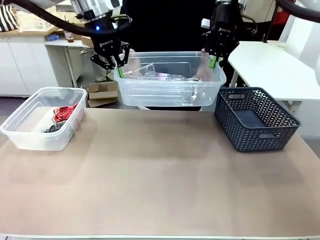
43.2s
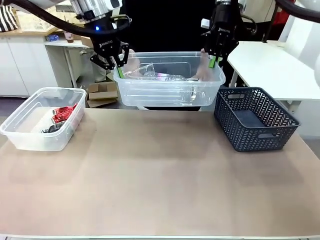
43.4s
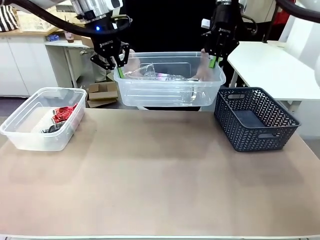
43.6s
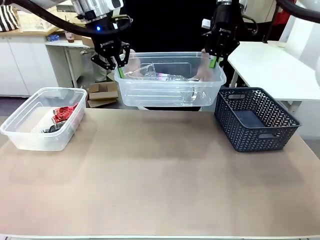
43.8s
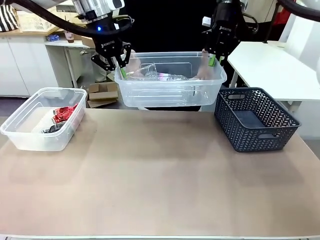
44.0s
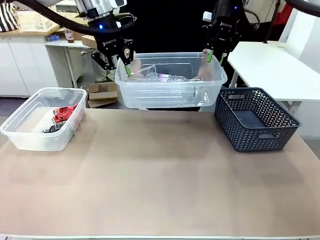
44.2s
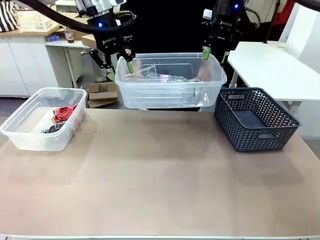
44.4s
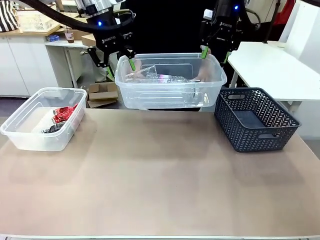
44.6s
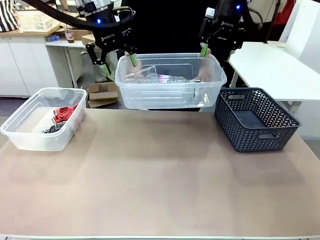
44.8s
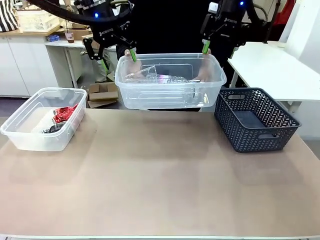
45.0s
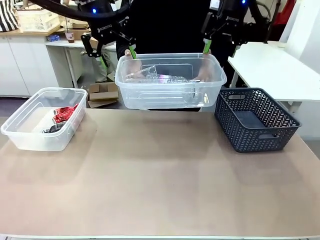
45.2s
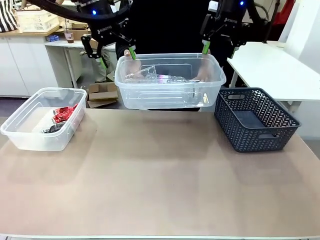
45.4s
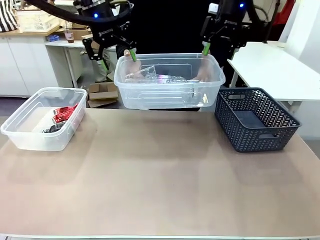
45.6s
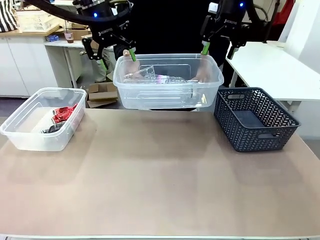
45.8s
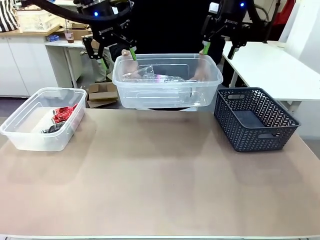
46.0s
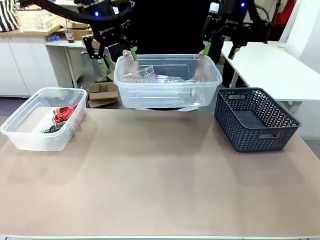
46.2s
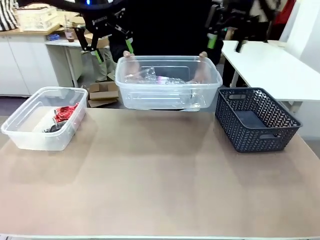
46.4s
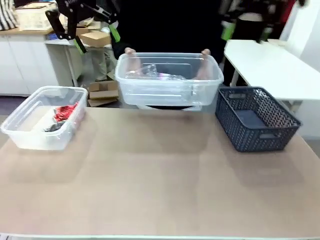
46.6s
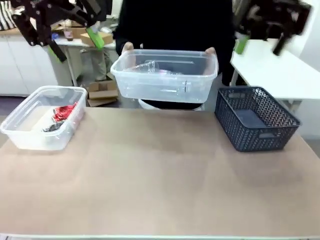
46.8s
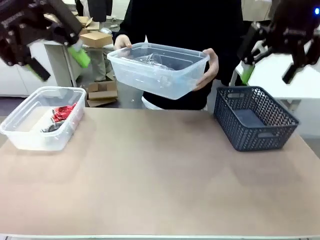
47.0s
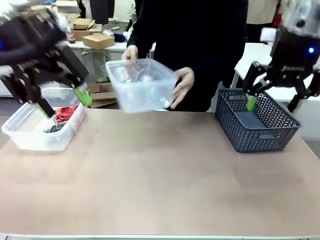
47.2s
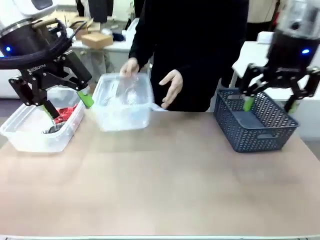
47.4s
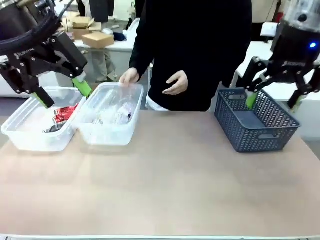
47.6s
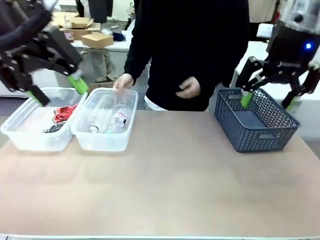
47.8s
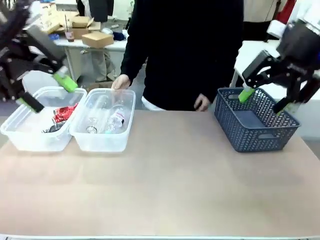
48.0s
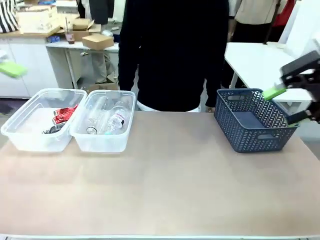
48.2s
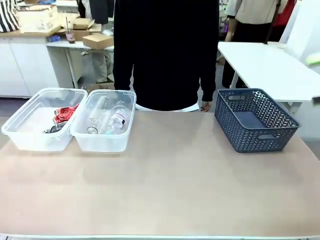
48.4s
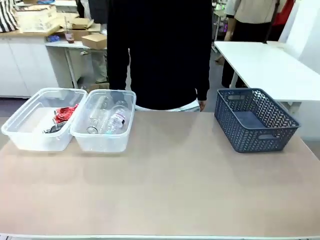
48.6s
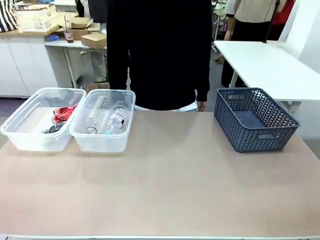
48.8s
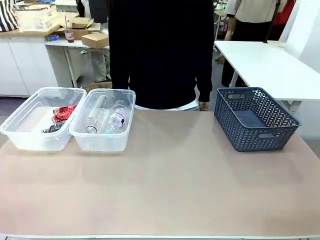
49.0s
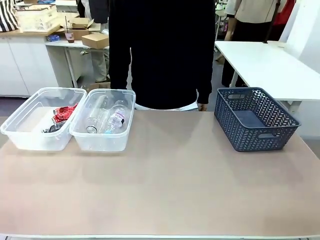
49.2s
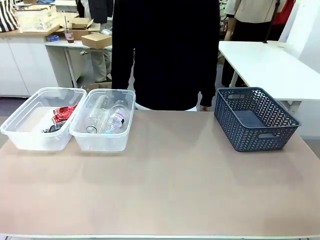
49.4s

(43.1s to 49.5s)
Robot: Release the Organizing box you were holding.
Person: Pick up the organizing box extended by the robot. Place the organizing box to the left of the sorting box containing the can waste.

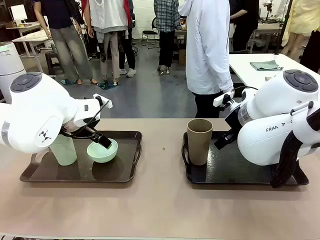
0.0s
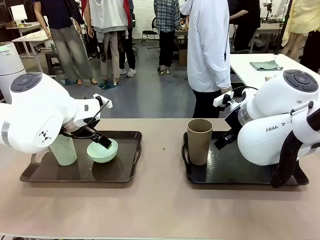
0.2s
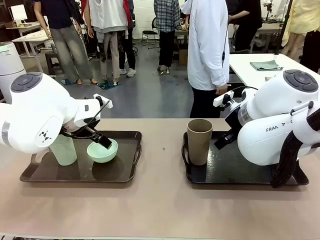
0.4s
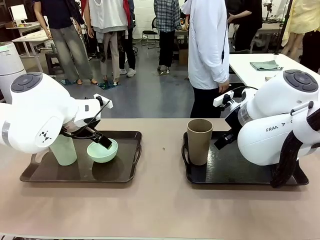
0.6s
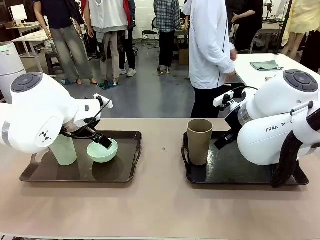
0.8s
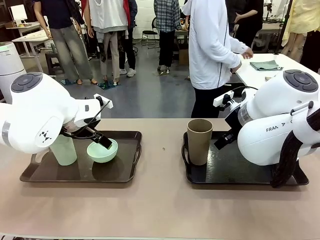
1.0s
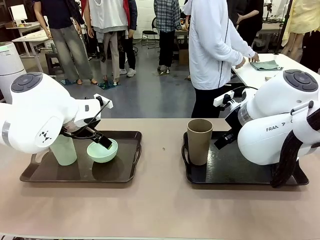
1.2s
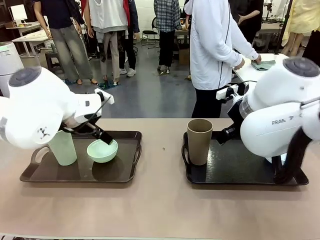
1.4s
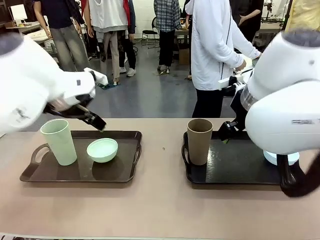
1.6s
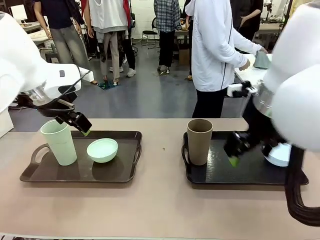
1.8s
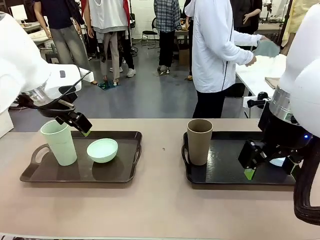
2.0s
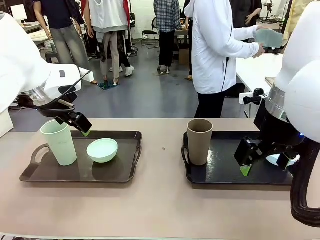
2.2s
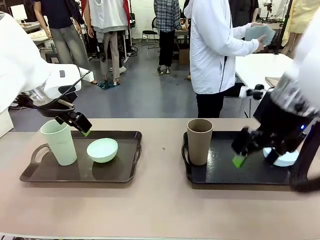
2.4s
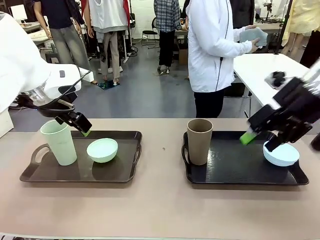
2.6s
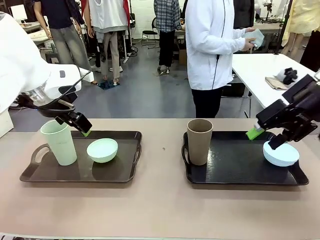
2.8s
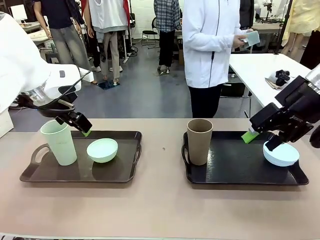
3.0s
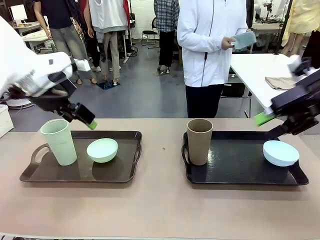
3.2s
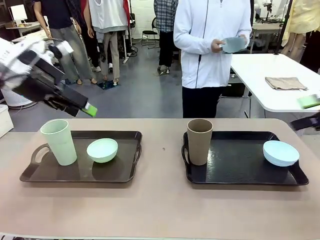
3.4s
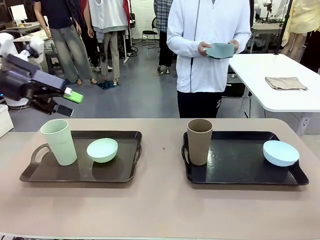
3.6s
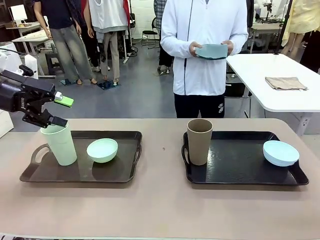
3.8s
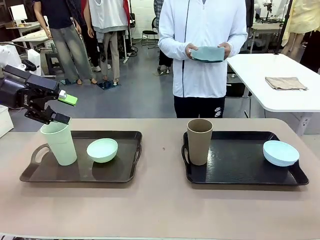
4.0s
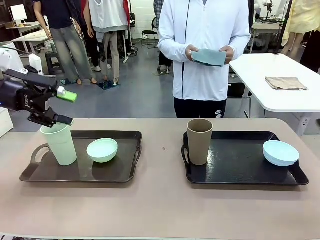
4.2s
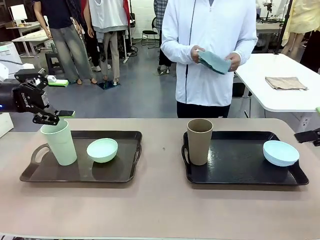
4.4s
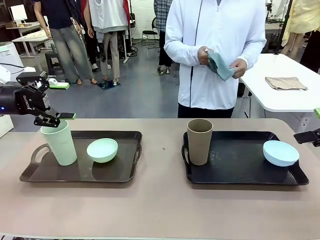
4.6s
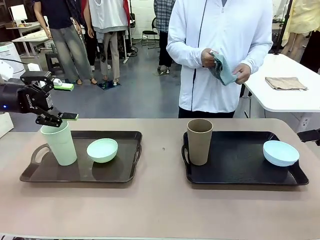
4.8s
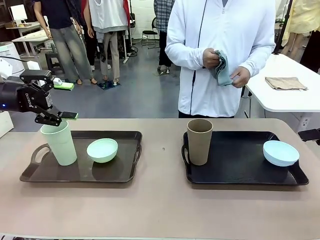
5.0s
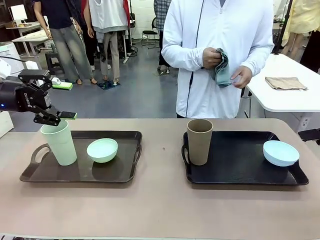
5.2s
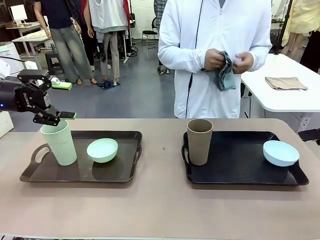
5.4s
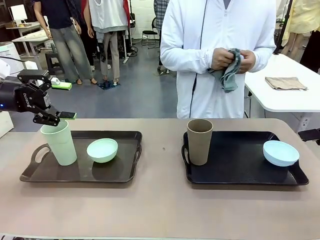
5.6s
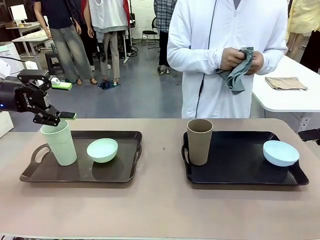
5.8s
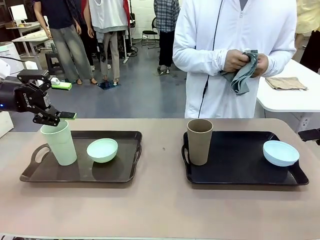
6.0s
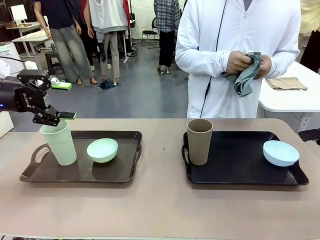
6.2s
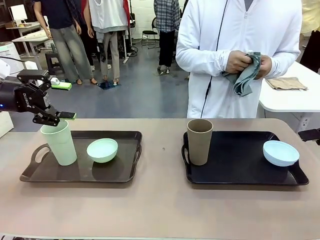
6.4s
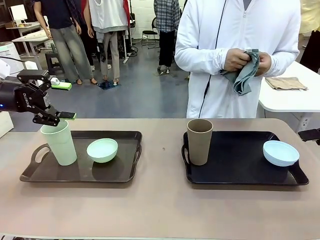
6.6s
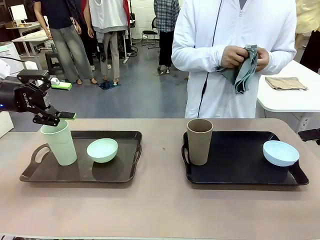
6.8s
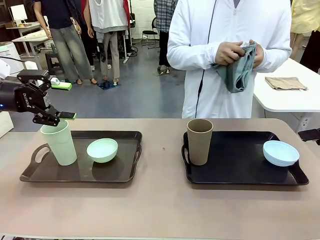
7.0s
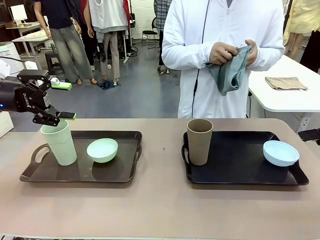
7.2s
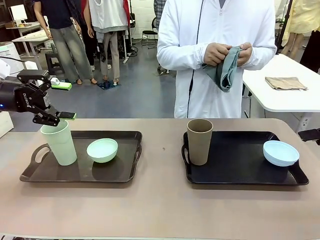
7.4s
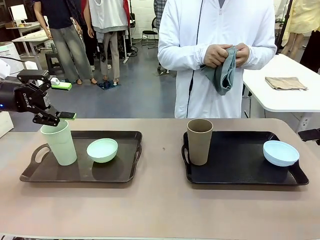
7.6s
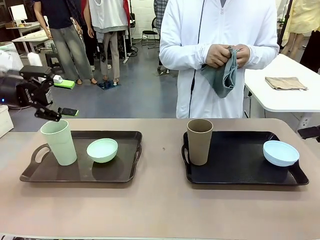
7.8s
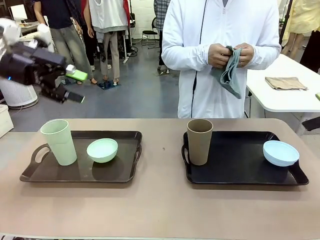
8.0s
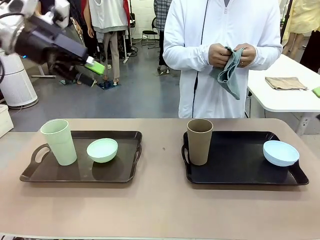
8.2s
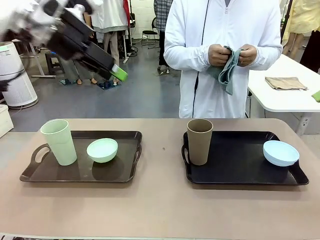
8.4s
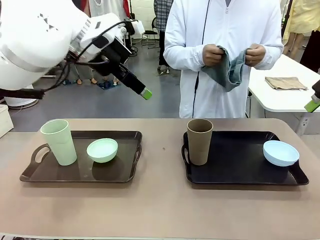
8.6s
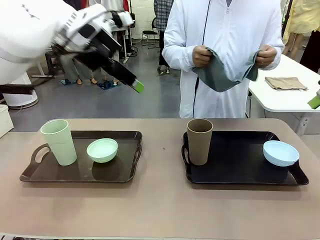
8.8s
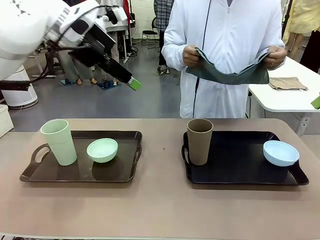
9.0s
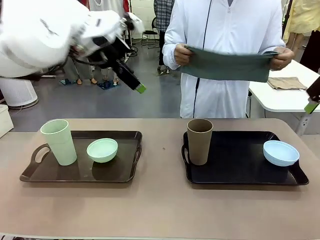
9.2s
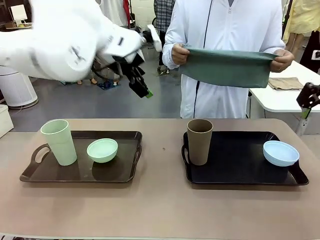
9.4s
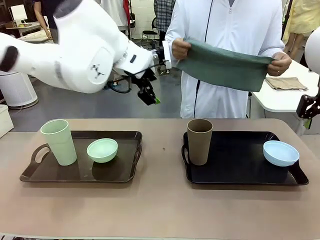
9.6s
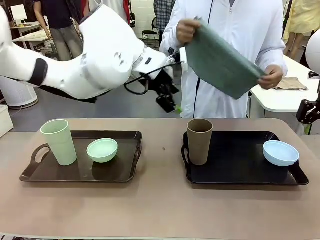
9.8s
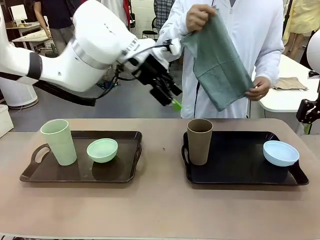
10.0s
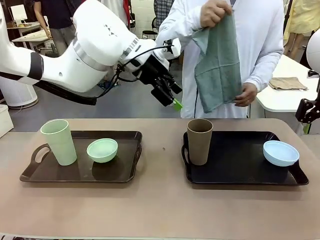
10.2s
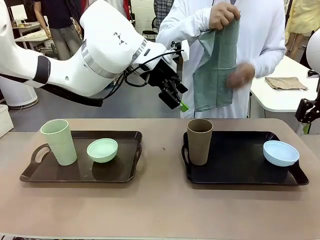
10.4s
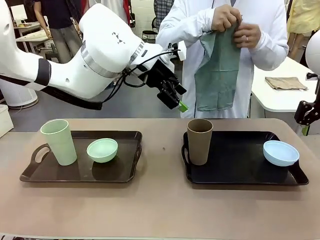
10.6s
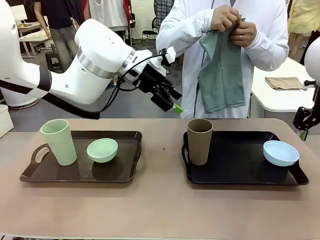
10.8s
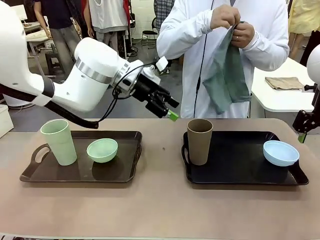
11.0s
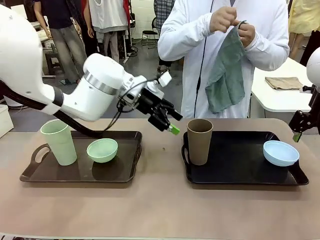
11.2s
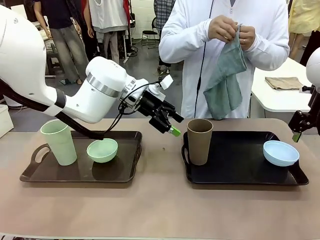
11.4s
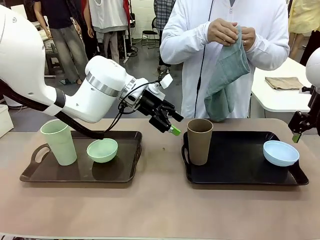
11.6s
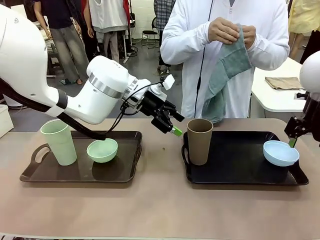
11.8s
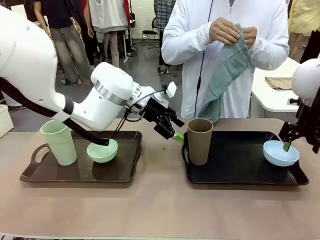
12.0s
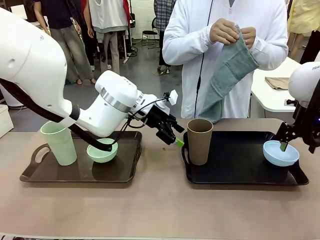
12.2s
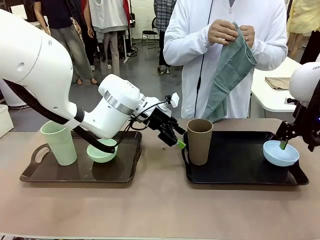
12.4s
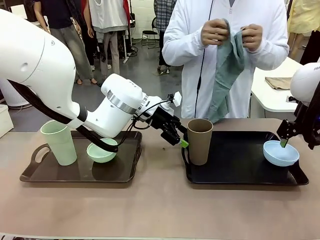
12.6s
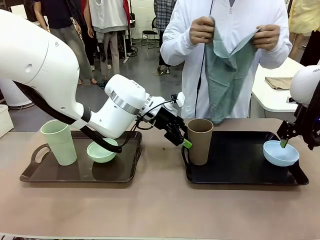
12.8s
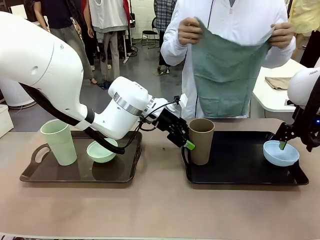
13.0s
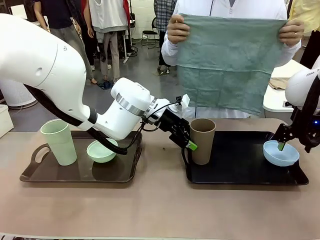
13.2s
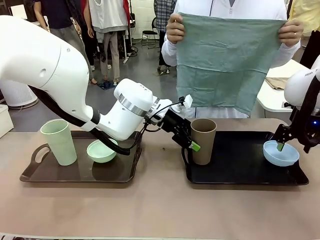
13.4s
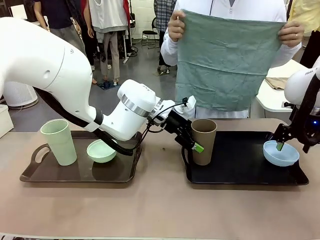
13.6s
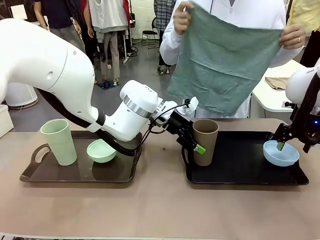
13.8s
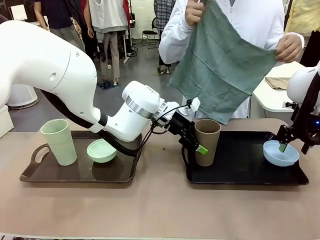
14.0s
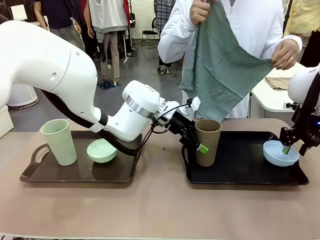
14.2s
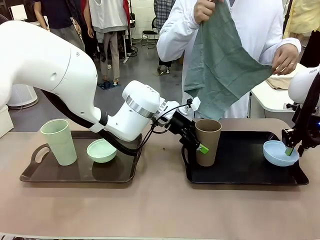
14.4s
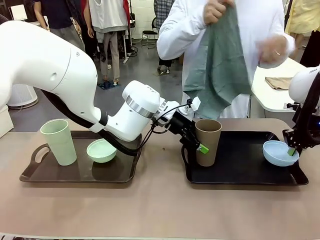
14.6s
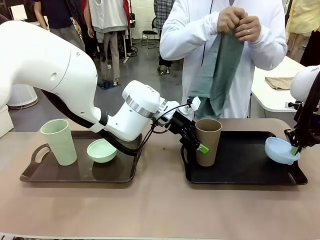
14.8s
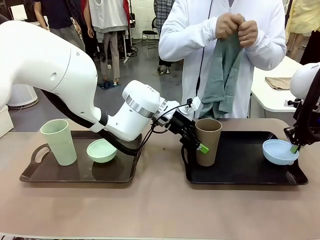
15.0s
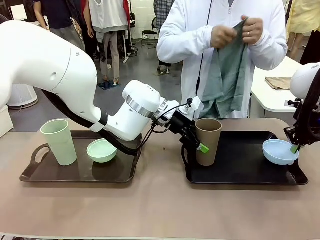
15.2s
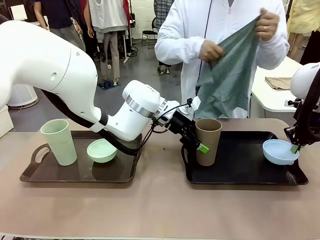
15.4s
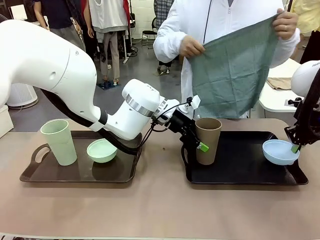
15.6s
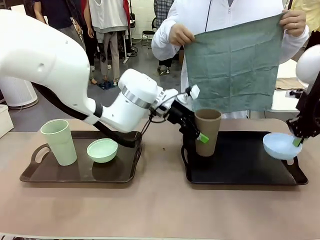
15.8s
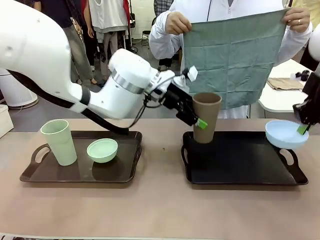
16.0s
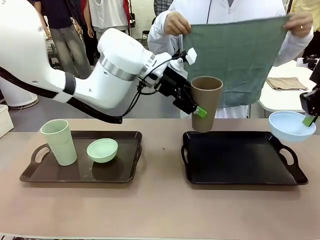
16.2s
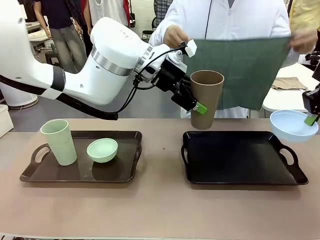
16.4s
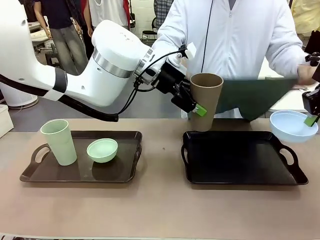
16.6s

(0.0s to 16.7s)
Robot: Pick up the Picnic Bowl and Reusable plastic cup from the Handle tray in front of the human's position and hold them in the air.
Person: The human picks up the top napkin from the stack on the human table and walks to the robot table to stand in front of one of the two trays. When the robot lifts the bowl and the cup, the human unfolds the napkin and lays the napkin flat on the tray.
